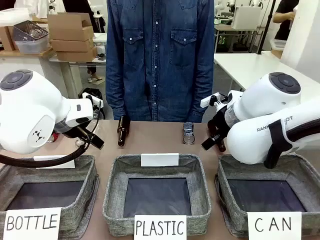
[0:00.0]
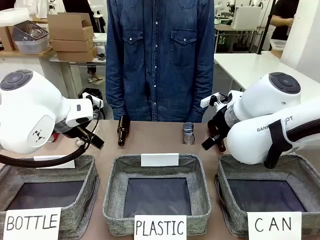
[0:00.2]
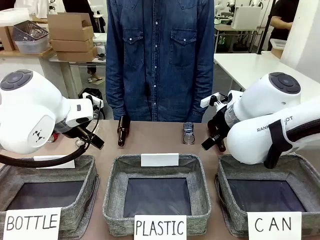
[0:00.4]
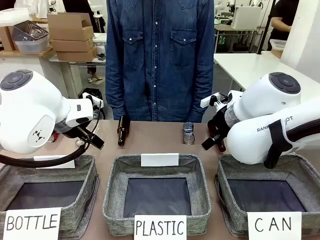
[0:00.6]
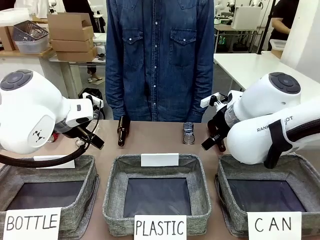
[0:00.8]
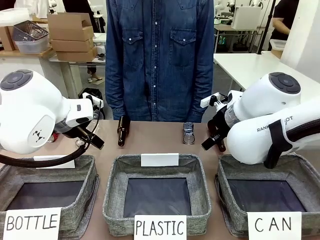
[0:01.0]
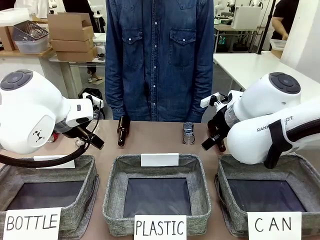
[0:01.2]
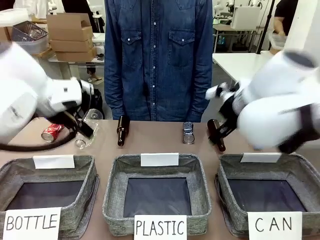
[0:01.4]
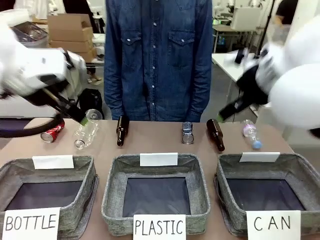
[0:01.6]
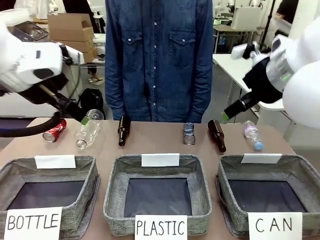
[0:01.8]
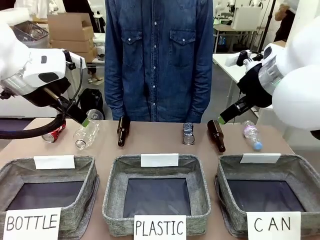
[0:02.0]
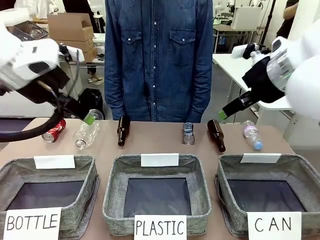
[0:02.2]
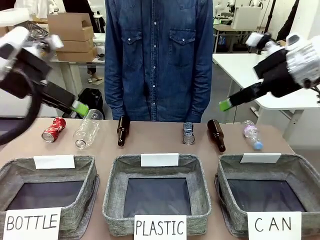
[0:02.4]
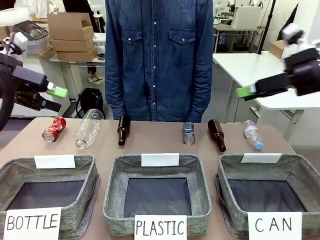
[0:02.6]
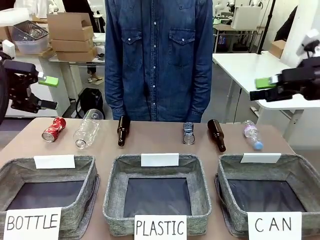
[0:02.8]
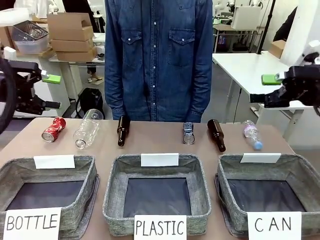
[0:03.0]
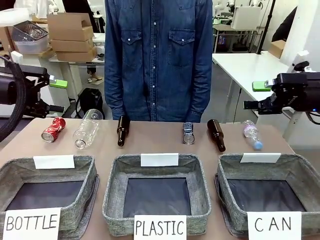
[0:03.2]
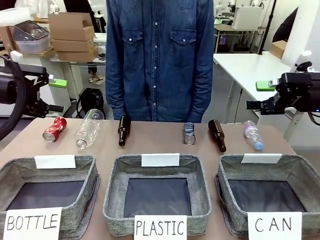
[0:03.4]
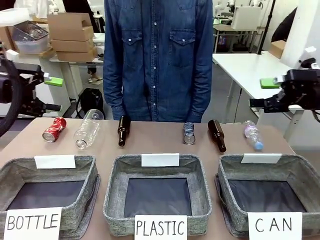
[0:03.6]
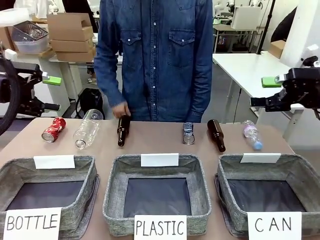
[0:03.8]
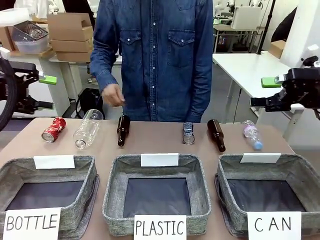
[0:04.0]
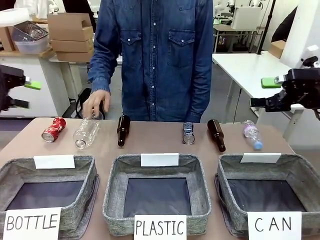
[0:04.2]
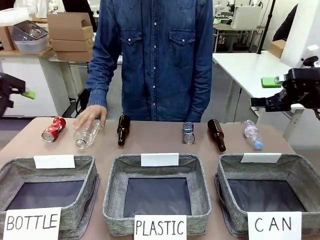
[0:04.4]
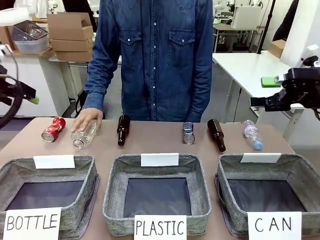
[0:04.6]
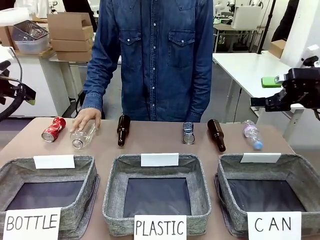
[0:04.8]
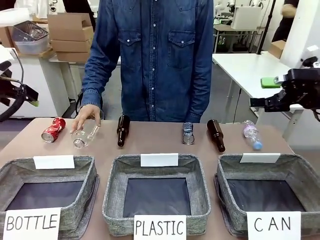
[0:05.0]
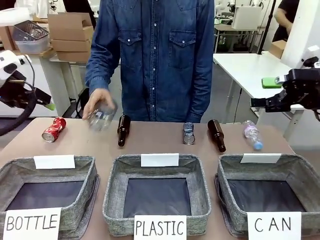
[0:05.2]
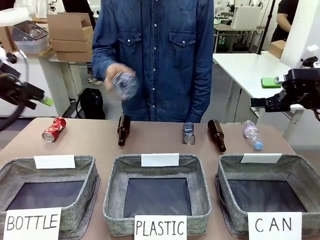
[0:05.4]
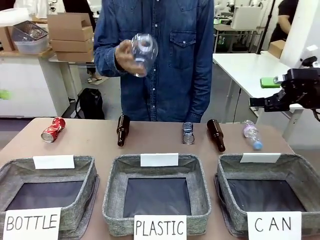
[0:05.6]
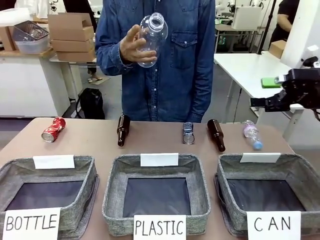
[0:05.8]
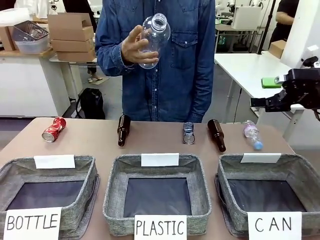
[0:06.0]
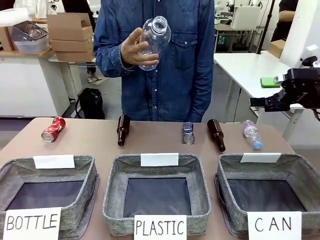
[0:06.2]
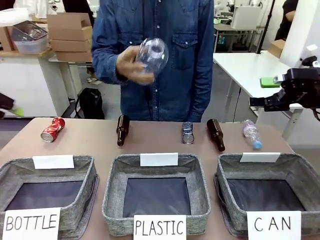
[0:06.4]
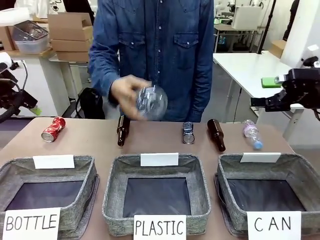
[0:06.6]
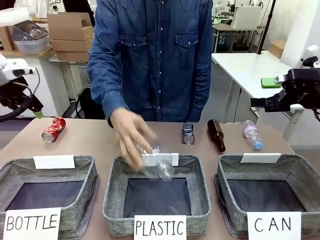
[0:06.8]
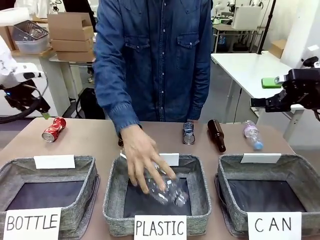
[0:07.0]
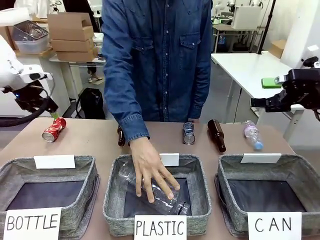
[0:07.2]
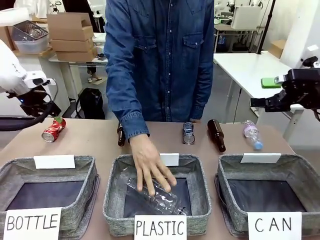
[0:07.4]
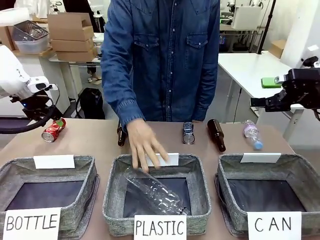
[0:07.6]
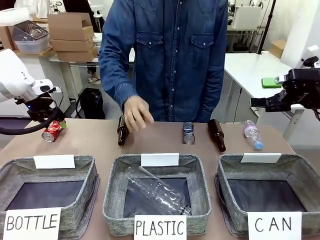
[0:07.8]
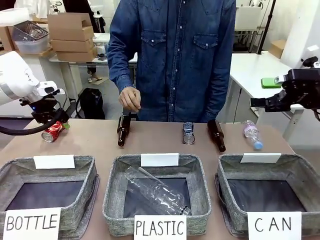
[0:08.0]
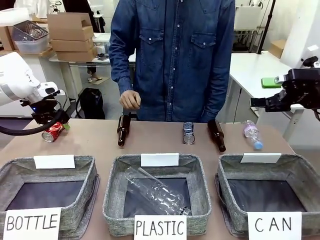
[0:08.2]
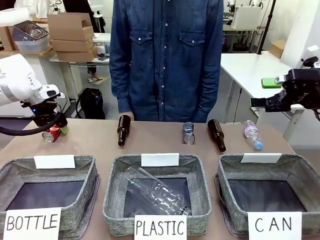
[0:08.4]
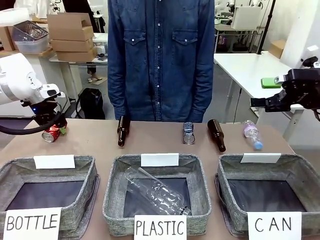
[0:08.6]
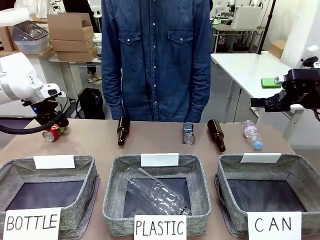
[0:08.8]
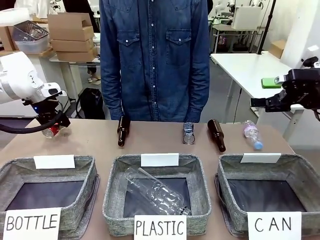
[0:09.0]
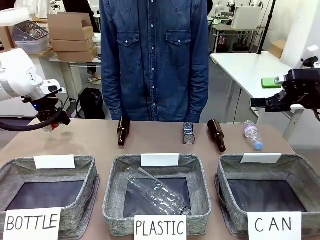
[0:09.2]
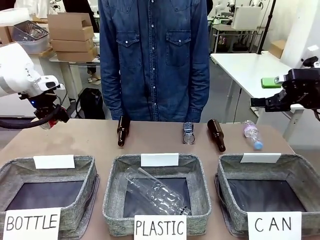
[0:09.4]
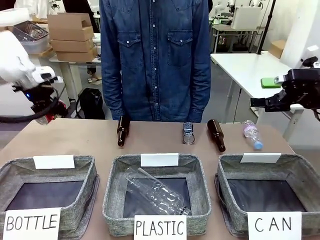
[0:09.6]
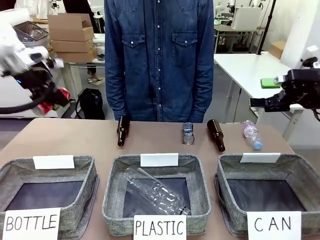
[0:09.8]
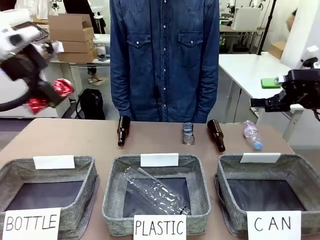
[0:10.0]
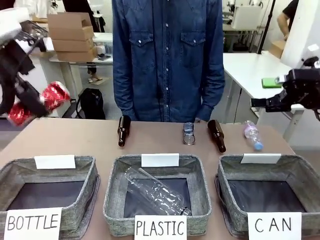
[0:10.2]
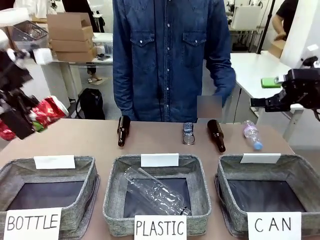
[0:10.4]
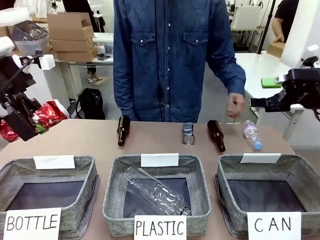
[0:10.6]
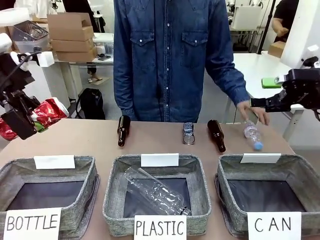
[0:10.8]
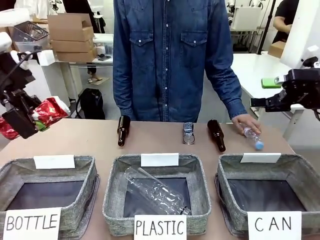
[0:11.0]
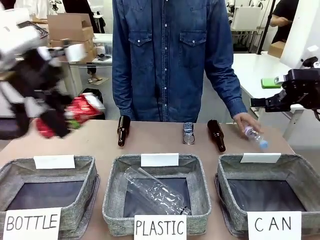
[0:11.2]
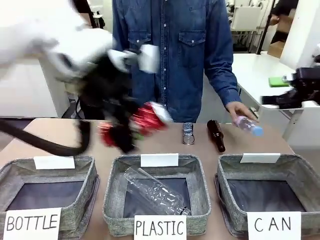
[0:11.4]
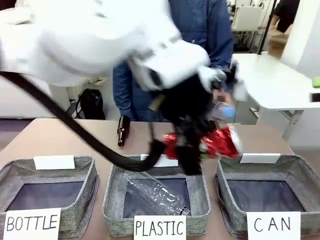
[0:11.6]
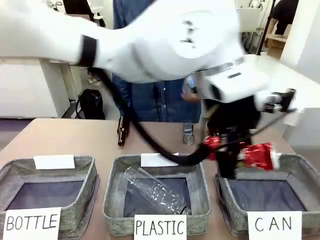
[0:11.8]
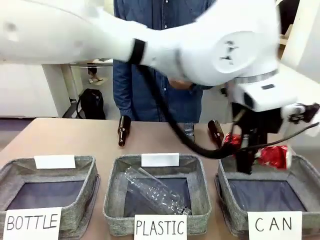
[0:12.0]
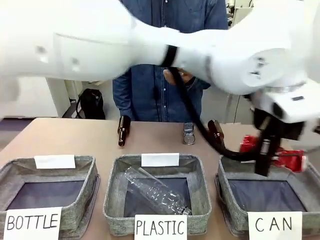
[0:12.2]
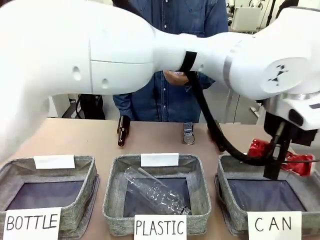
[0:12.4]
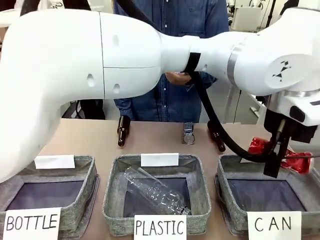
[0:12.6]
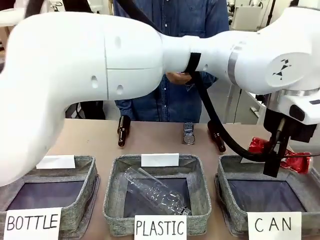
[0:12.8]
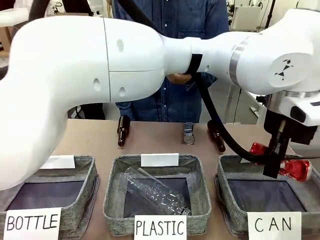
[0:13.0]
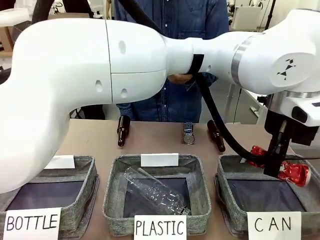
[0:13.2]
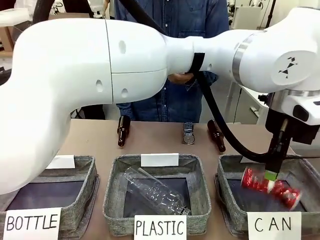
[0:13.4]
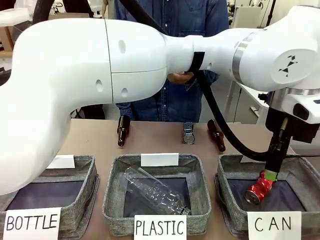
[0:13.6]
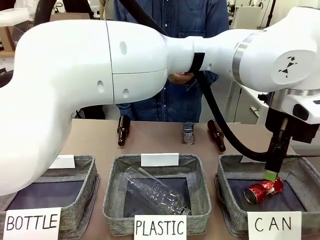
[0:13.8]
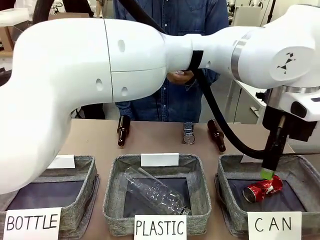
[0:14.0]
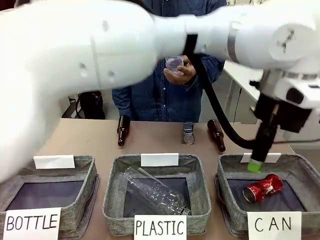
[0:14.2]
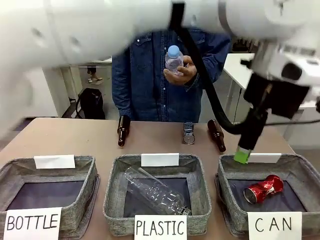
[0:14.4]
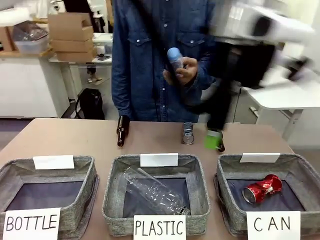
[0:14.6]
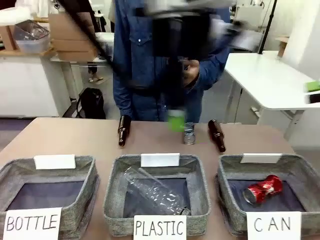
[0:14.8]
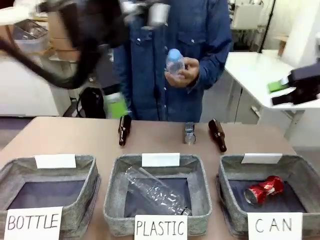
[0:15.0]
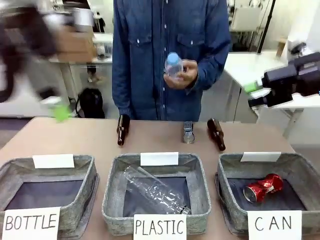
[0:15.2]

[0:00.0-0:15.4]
Task: Sort the can waste into the basket.
Robot: Pick up the can waste from the table and place it in the right Fabric basket.
